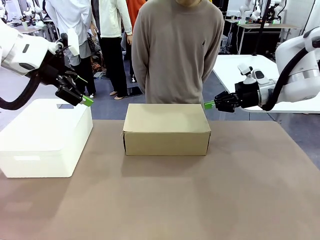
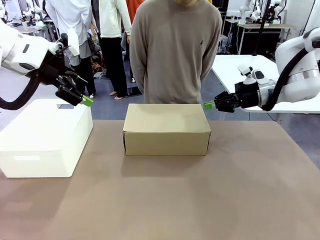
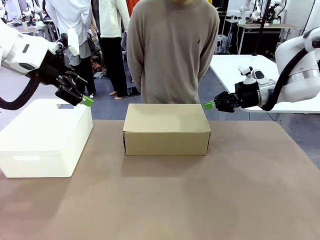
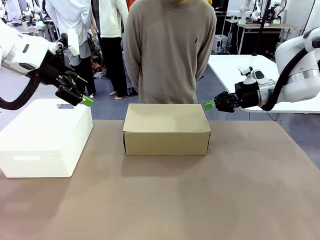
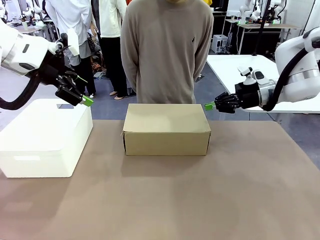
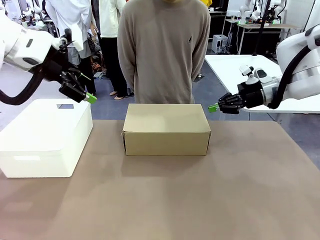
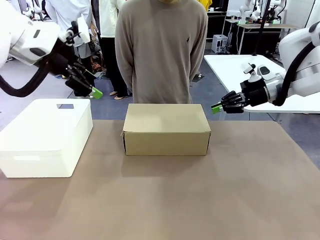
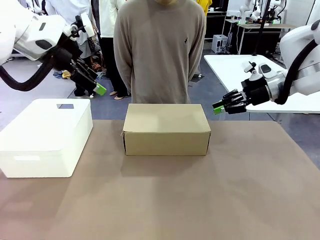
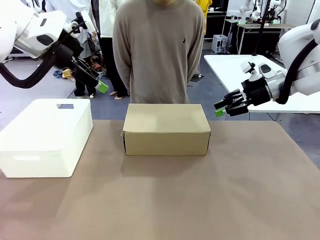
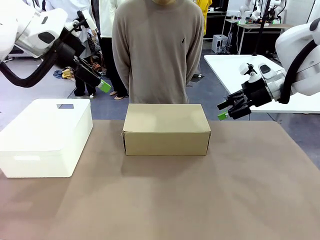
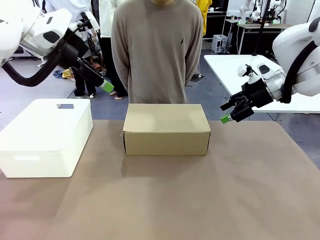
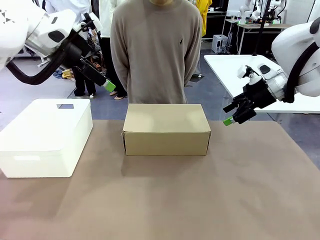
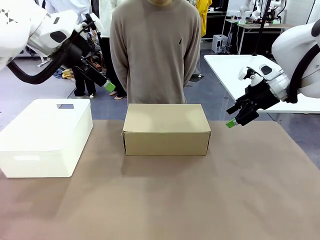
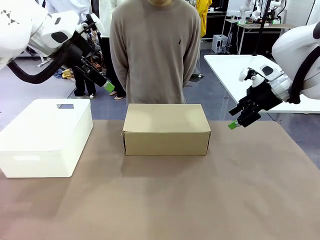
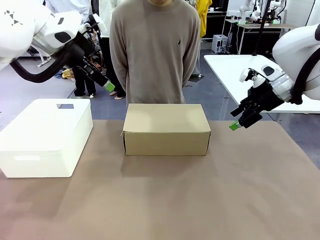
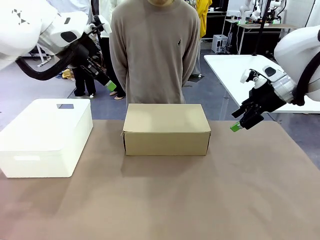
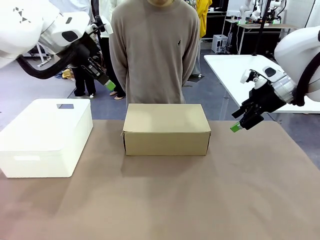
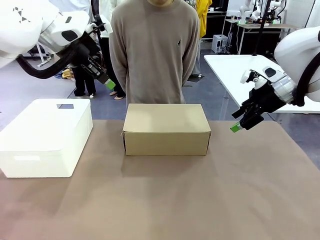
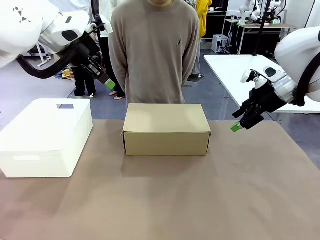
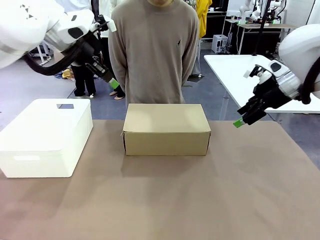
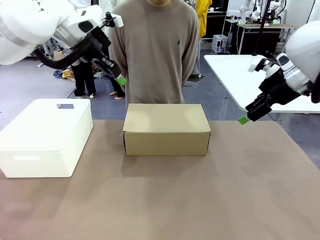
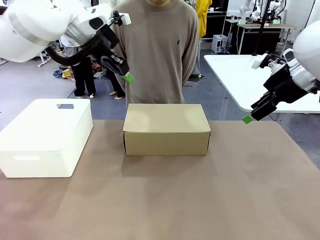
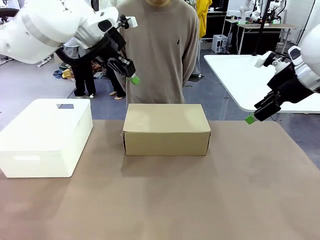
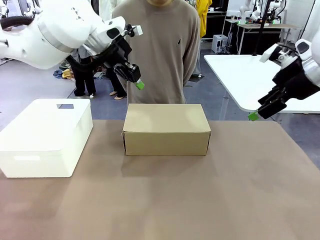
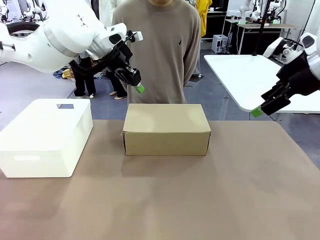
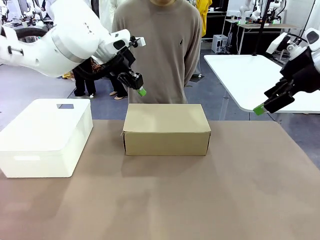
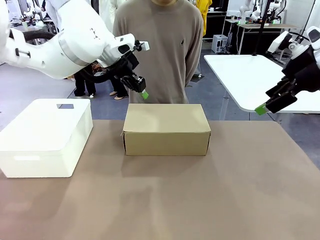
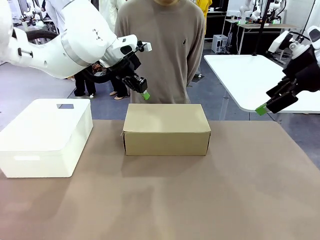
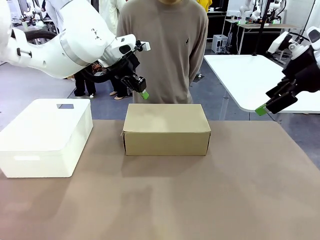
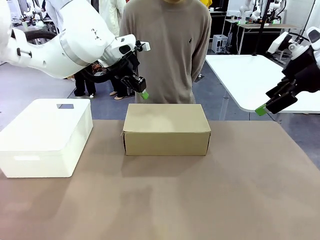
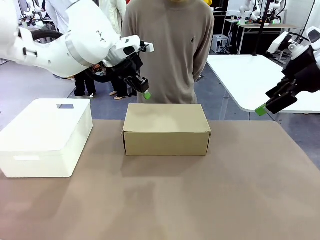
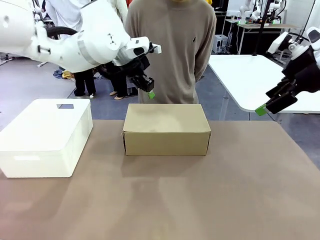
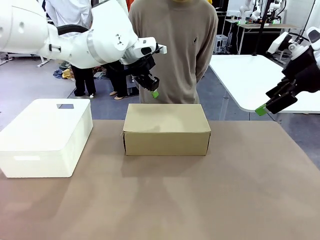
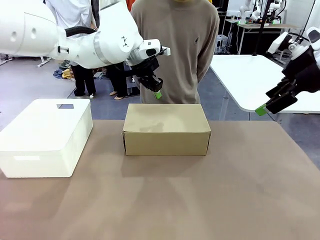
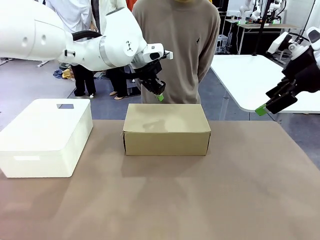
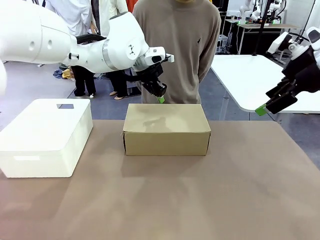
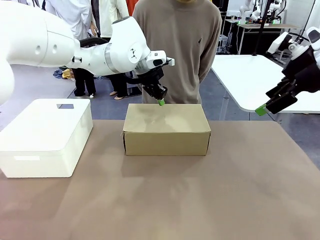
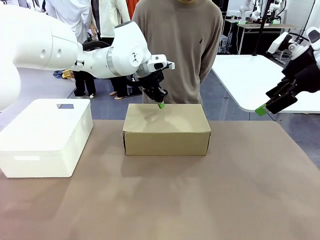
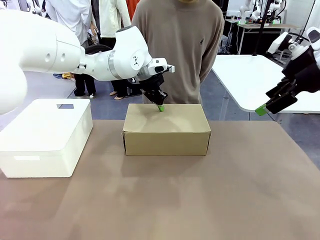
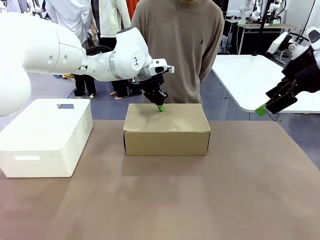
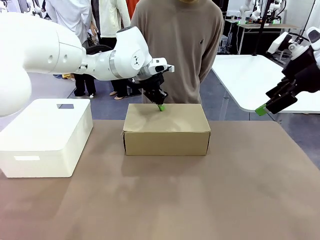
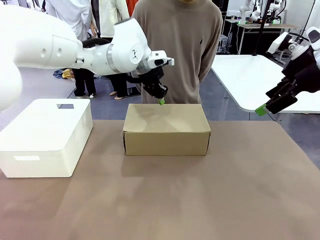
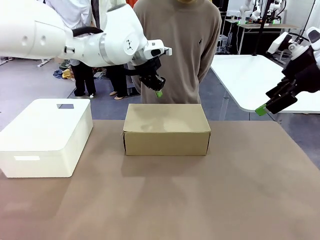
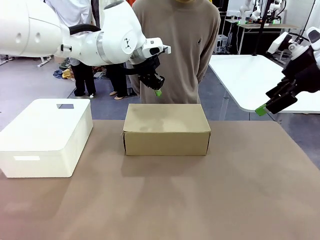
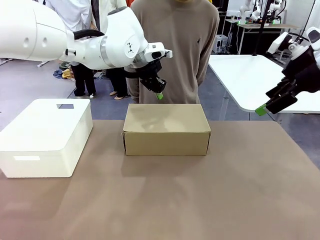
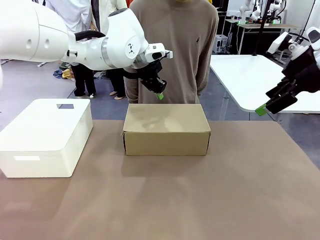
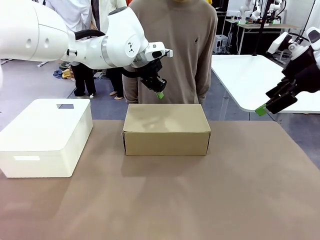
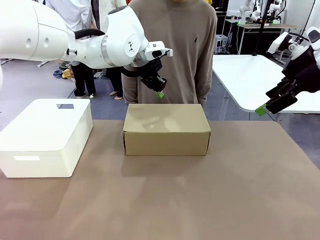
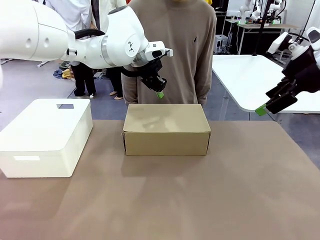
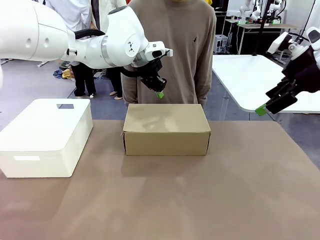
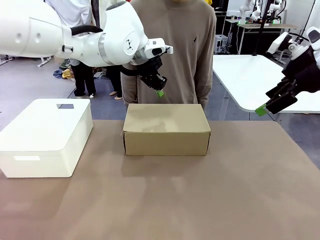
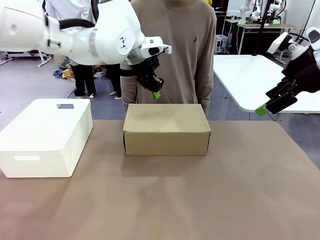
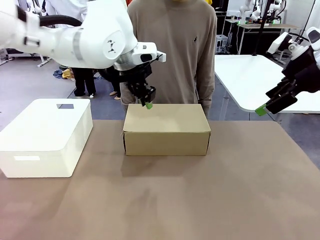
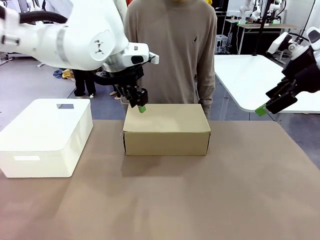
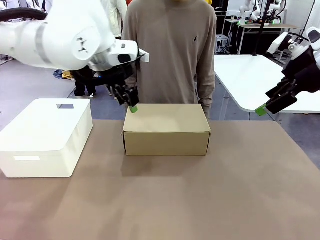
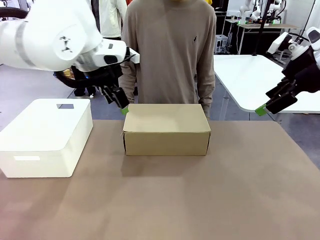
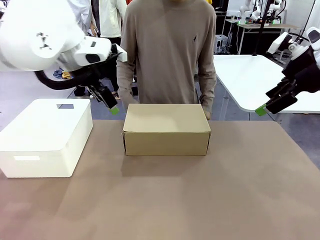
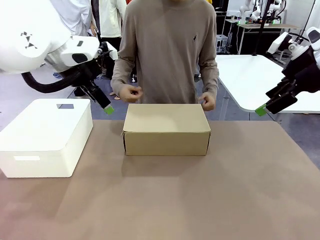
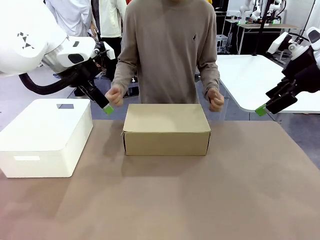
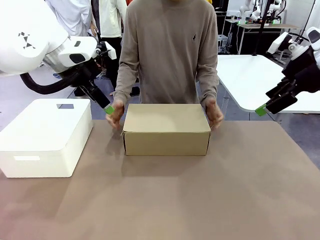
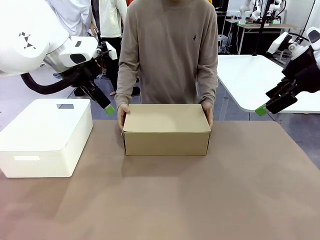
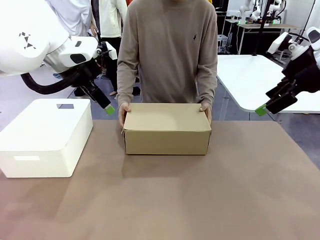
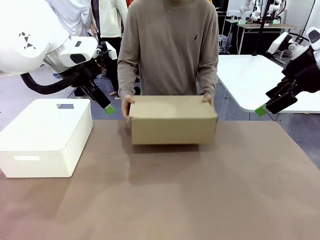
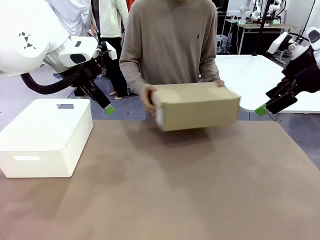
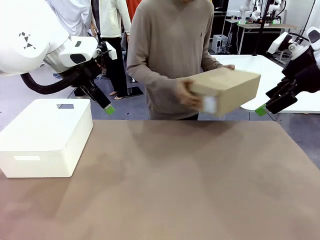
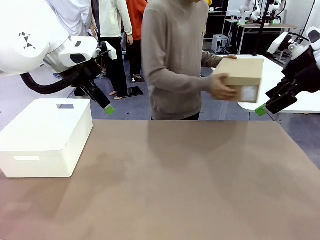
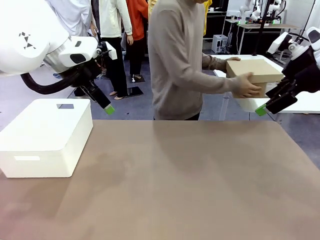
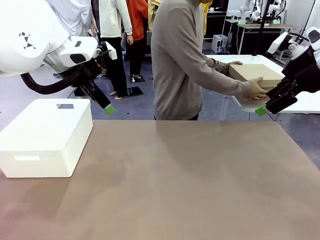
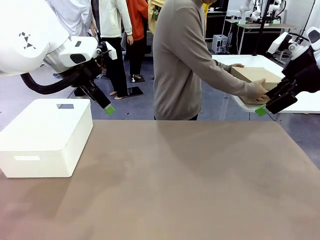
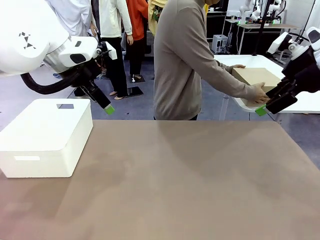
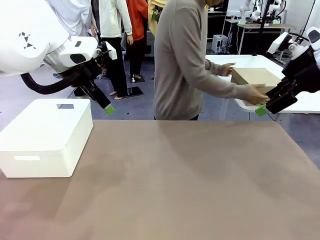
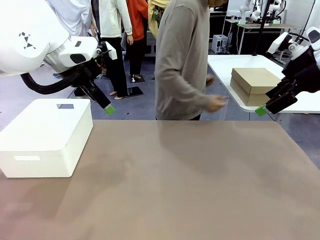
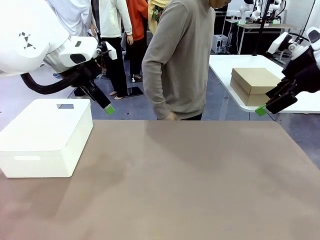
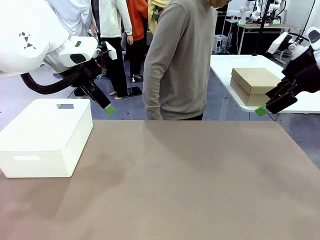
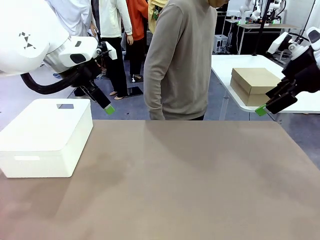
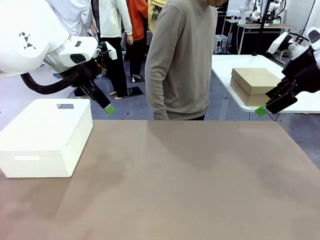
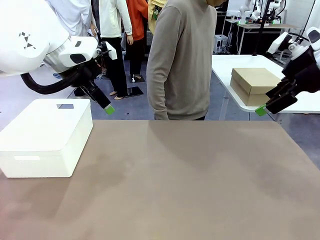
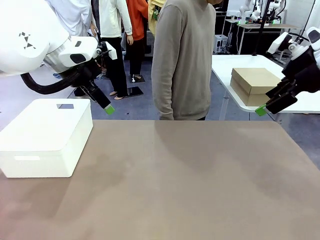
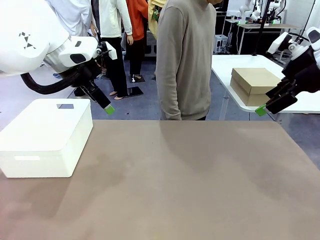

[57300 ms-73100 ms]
Task: Pack the shoes into the box.
Robot: Press down on the lid of the Shoes Box.
Person: Place the closed Shoes Box to the right side of the human table.
